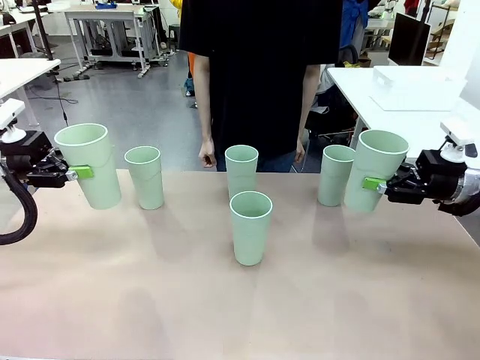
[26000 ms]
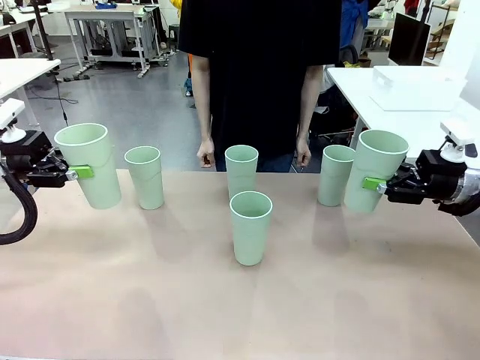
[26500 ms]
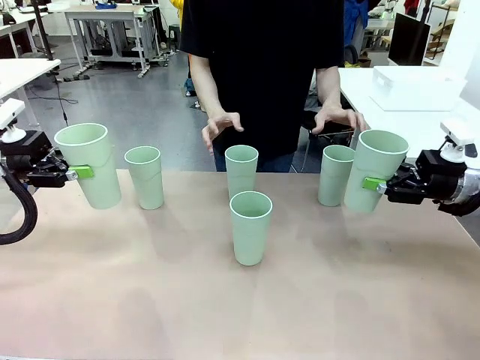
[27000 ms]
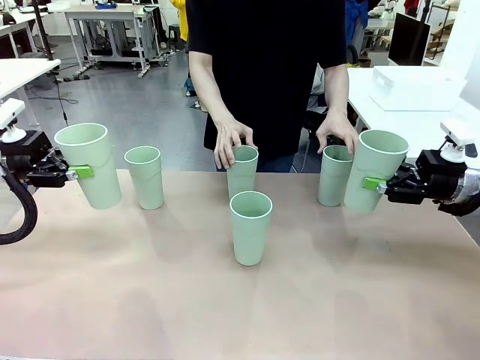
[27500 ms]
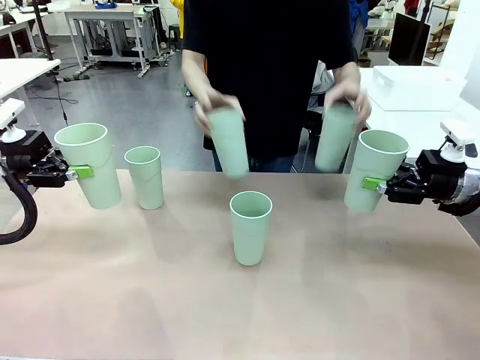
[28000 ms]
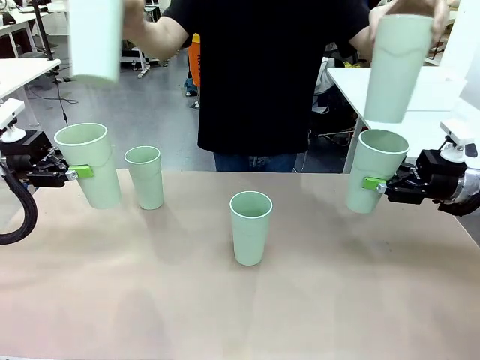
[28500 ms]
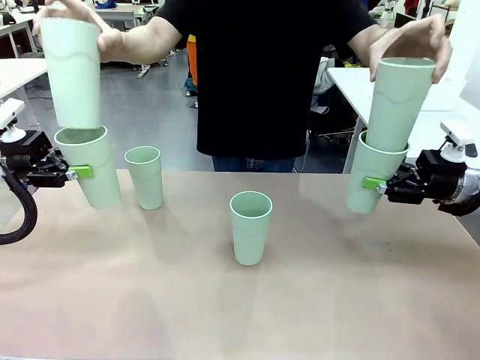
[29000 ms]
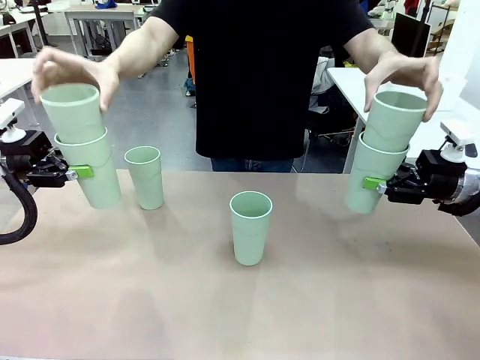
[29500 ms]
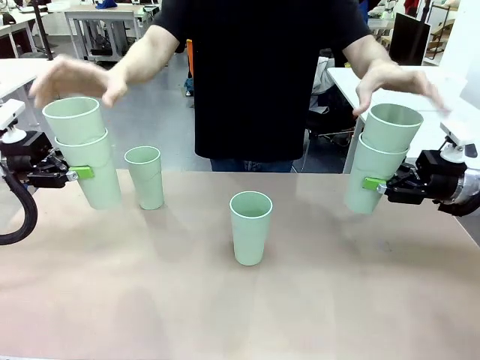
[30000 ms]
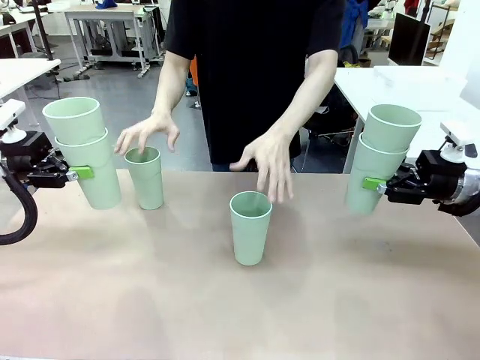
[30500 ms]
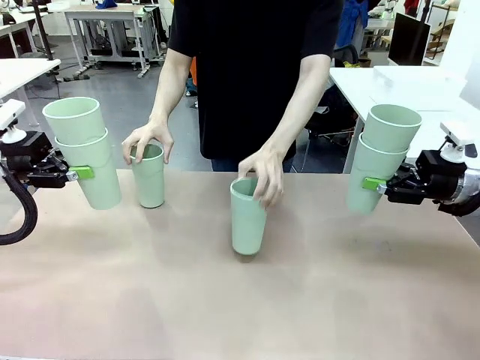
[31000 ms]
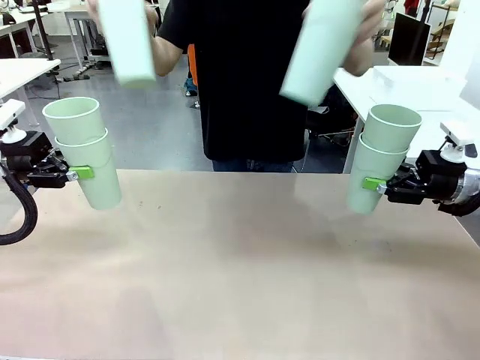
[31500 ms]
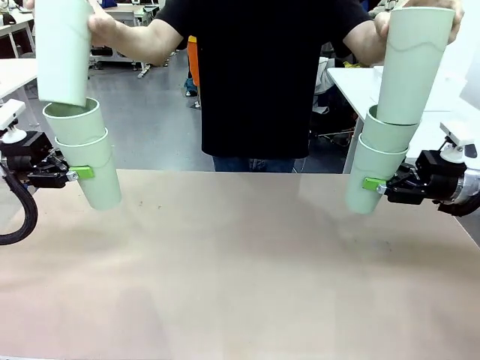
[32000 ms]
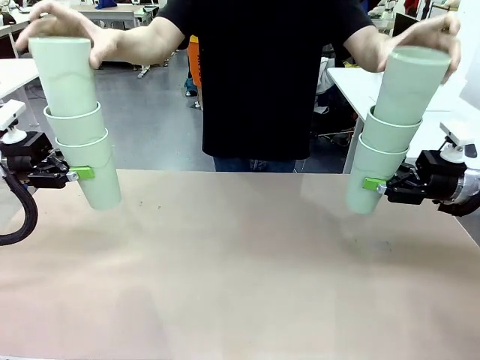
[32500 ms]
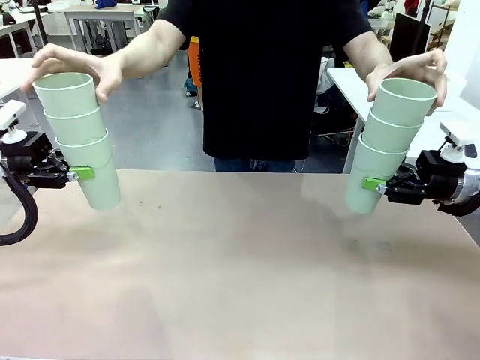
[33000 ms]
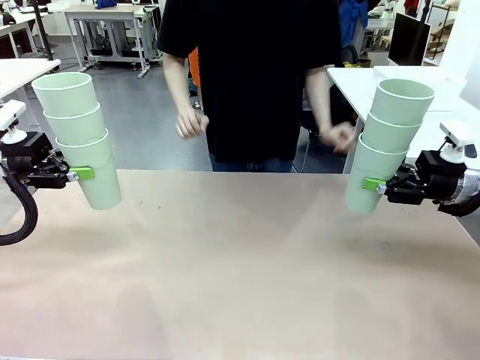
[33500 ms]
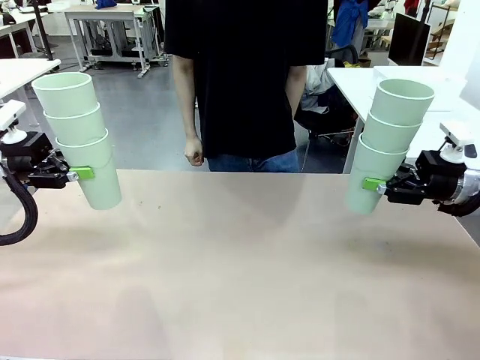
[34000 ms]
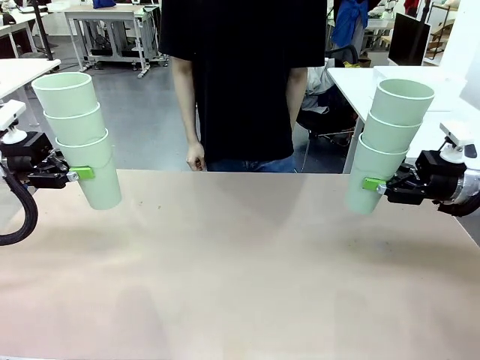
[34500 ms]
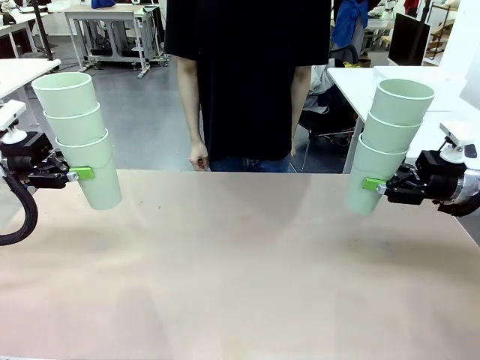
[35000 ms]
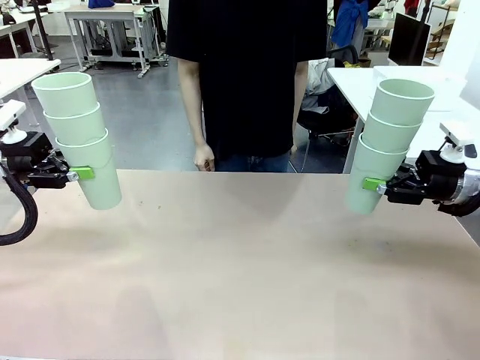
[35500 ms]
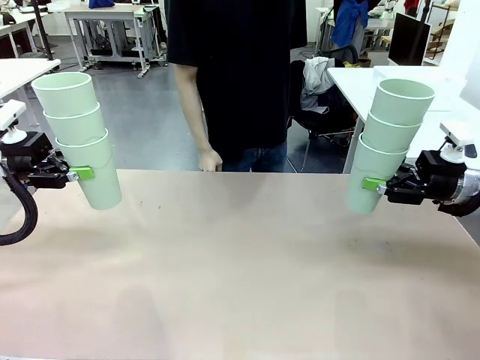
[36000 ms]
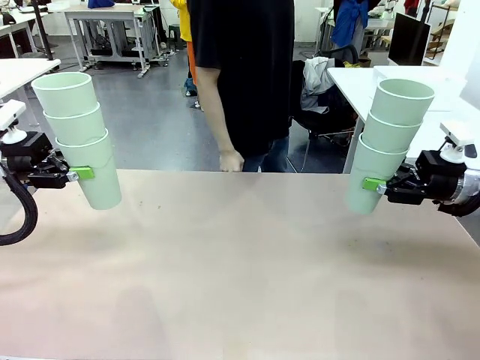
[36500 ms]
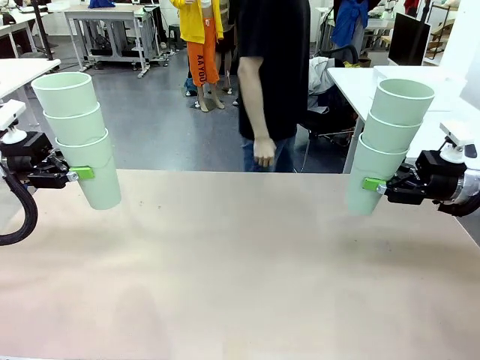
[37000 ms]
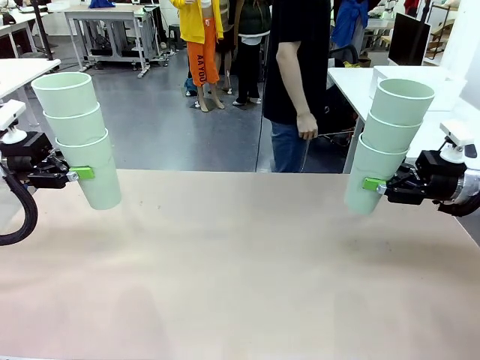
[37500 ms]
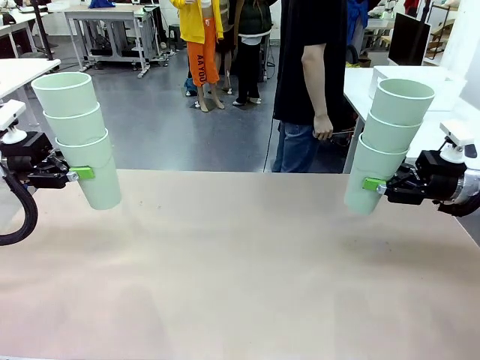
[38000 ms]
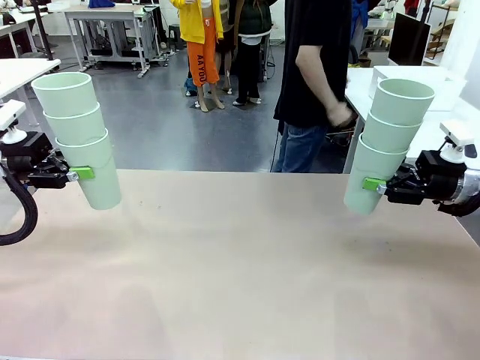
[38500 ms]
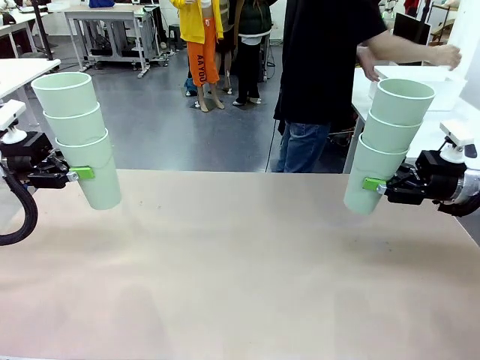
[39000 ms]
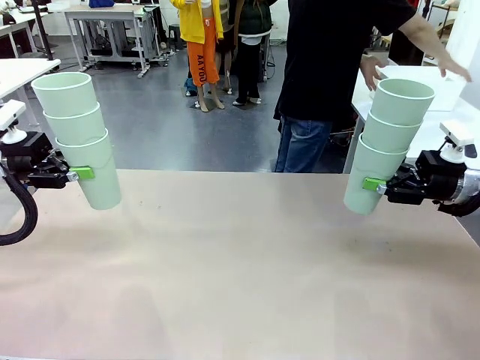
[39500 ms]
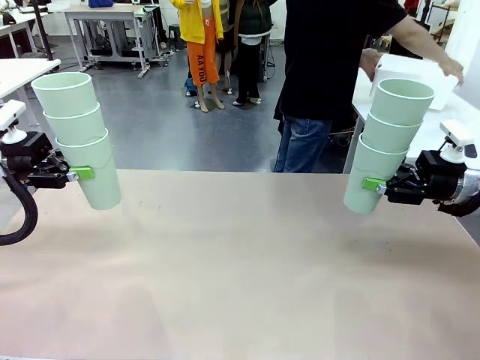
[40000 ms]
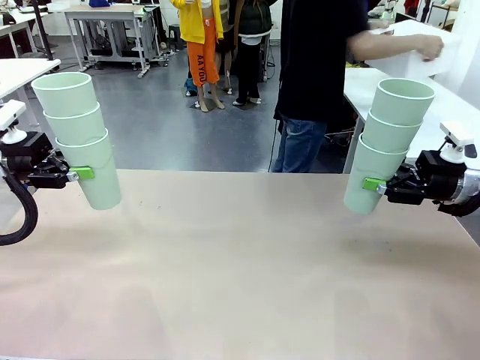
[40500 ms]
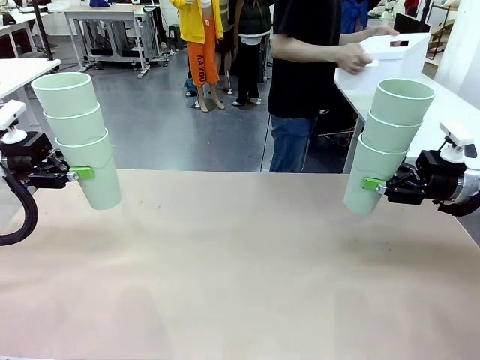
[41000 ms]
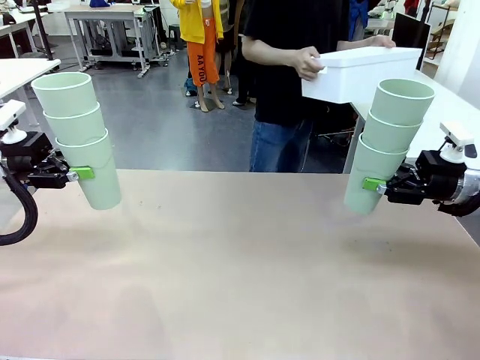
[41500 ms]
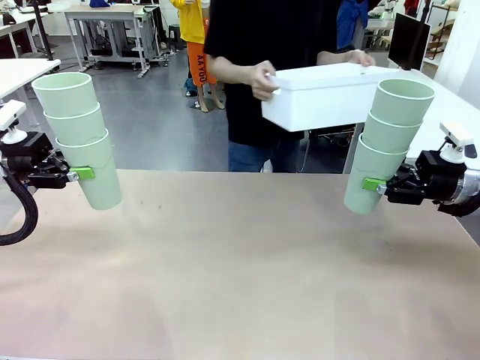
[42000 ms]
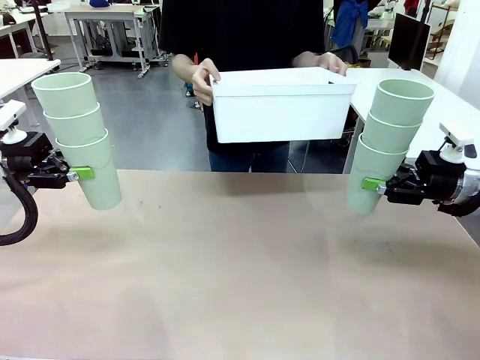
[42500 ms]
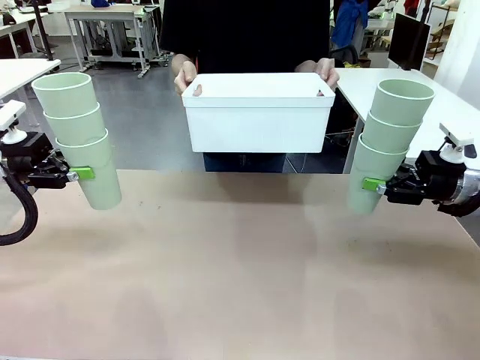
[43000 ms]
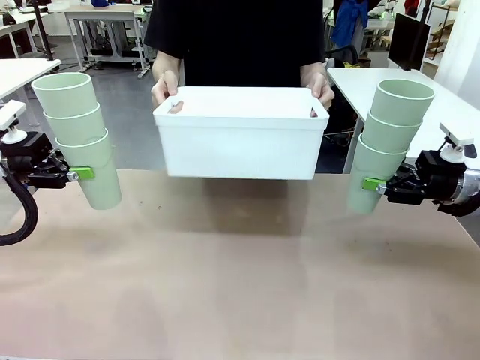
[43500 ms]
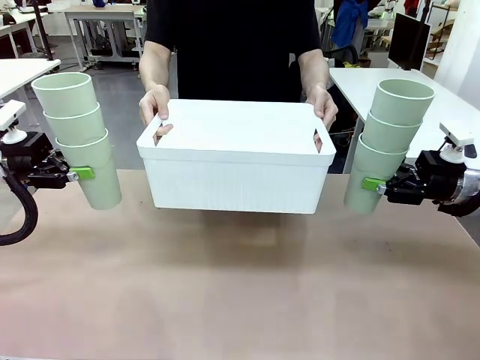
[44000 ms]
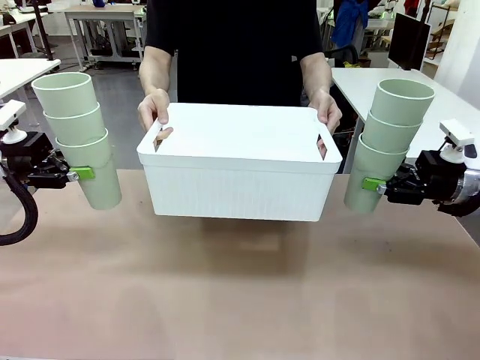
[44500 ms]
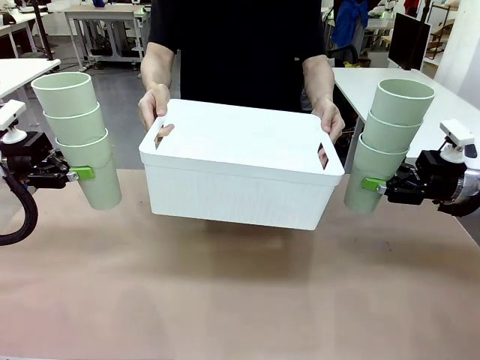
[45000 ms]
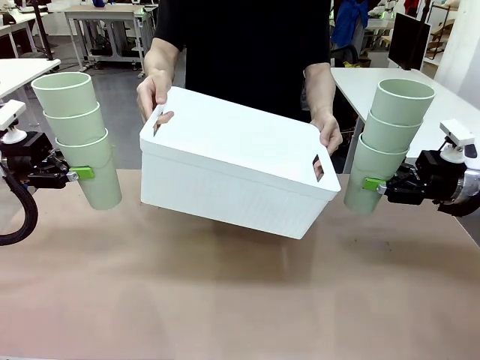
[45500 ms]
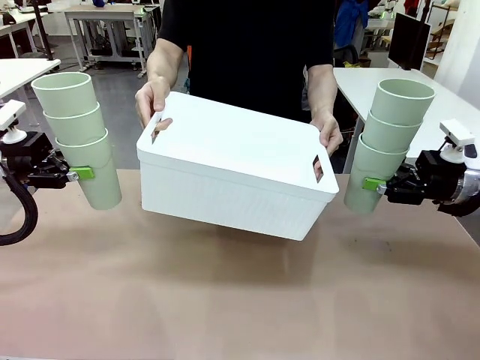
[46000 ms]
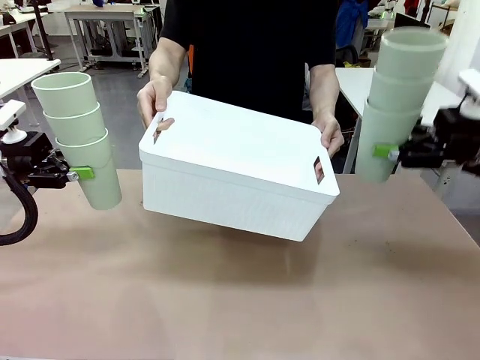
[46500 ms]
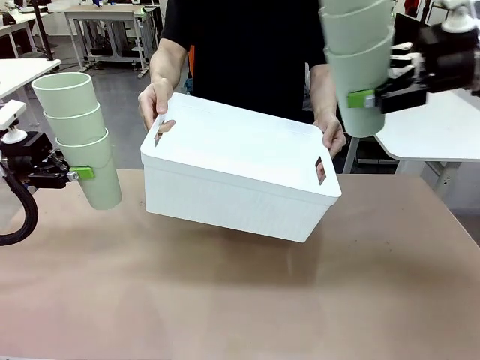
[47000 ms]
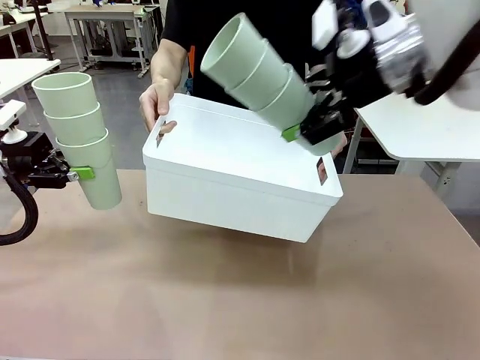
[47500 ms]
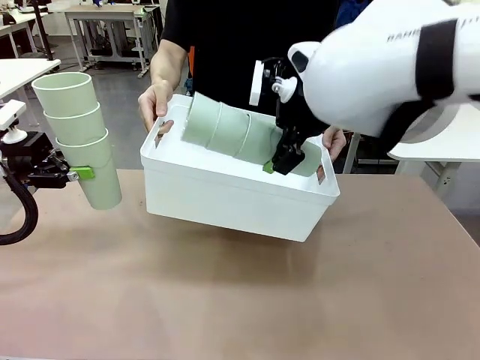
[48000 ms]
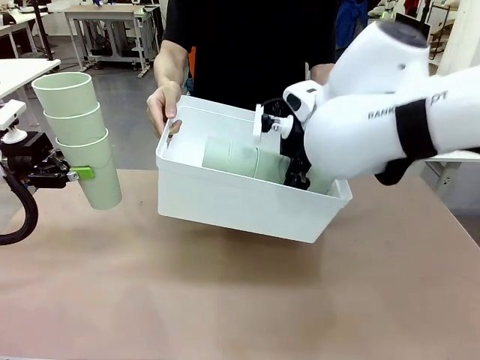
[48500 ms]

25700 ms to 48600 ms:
Task: Stack the cups and store them in the basket.
Robot: Place the stack of Reusable plastic cups into the Pantry Basket.
Person: Pick up the basket from the Human Table, bring it to the front of the robot, and present it.
